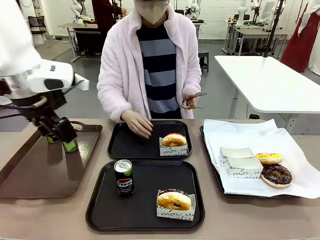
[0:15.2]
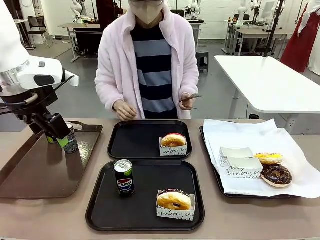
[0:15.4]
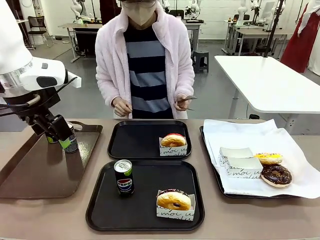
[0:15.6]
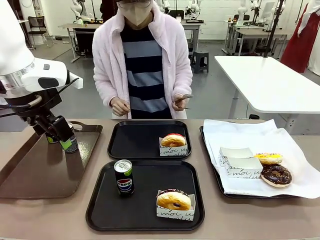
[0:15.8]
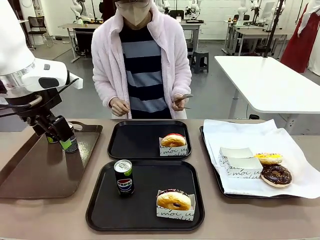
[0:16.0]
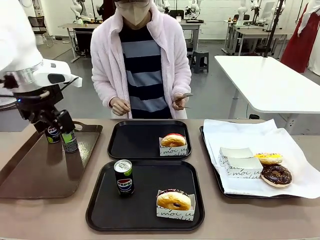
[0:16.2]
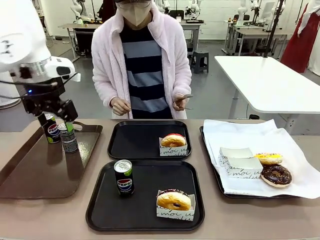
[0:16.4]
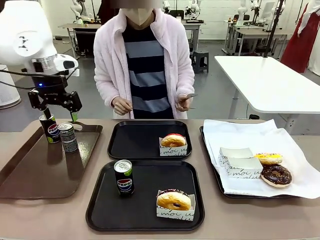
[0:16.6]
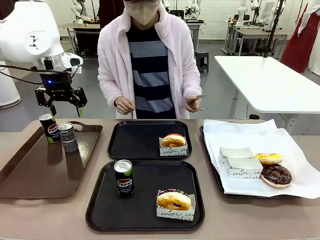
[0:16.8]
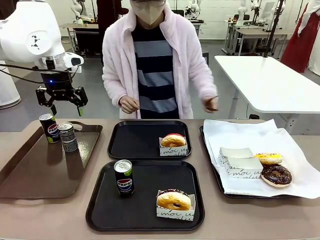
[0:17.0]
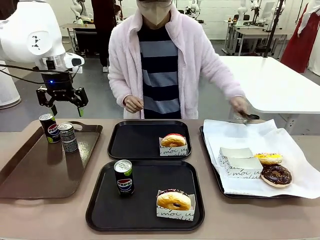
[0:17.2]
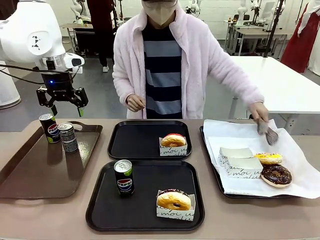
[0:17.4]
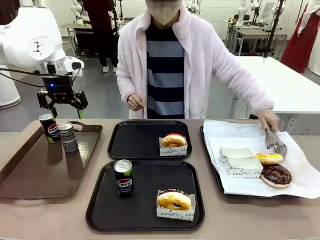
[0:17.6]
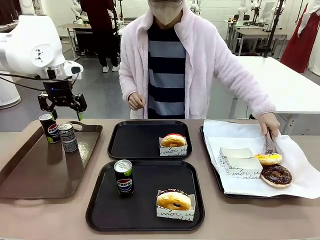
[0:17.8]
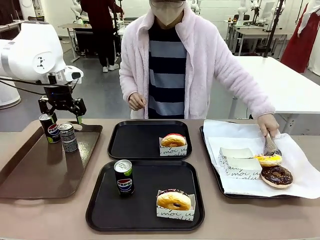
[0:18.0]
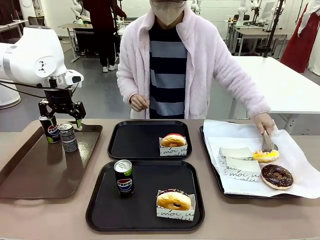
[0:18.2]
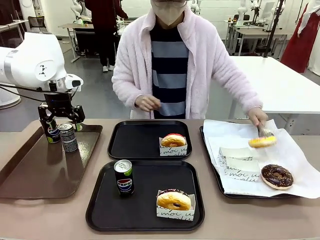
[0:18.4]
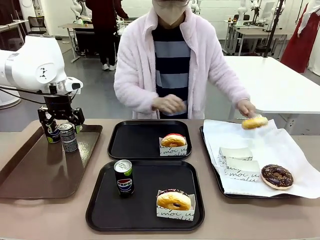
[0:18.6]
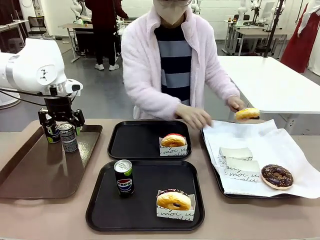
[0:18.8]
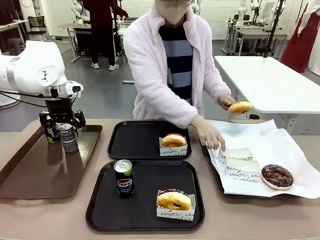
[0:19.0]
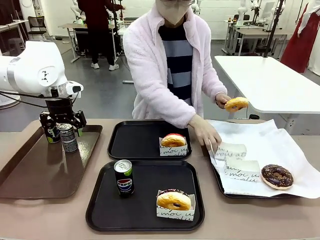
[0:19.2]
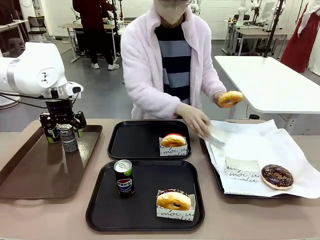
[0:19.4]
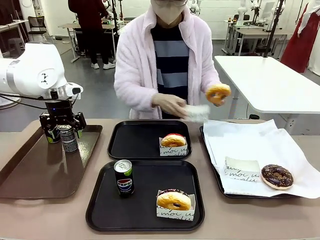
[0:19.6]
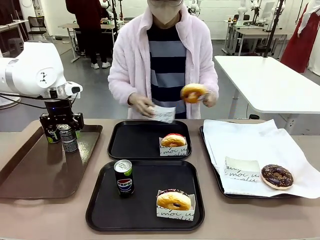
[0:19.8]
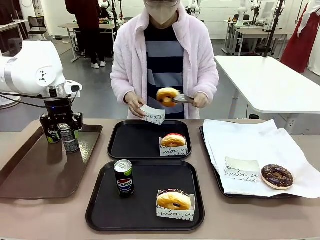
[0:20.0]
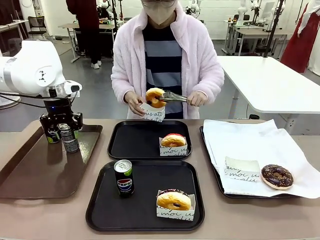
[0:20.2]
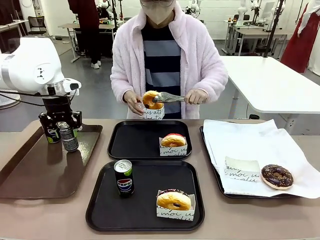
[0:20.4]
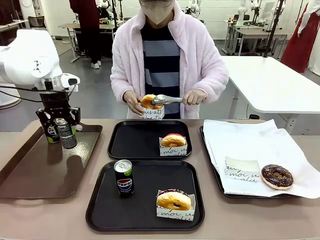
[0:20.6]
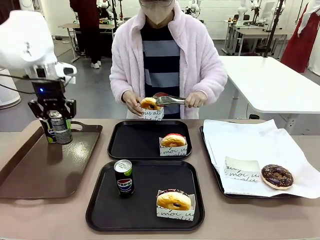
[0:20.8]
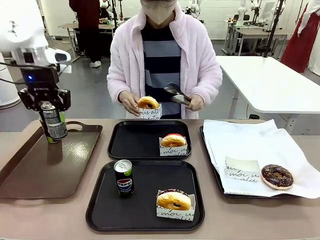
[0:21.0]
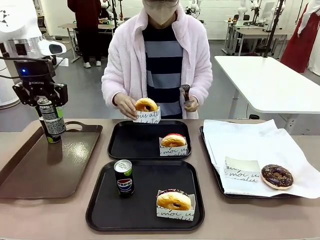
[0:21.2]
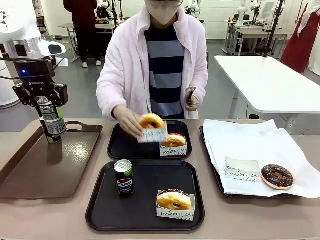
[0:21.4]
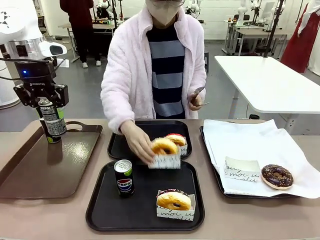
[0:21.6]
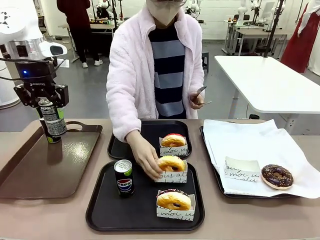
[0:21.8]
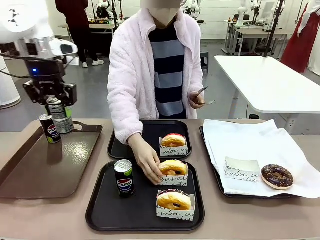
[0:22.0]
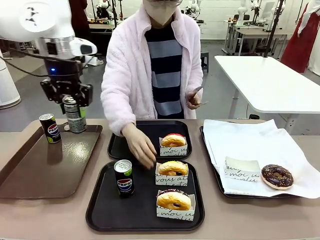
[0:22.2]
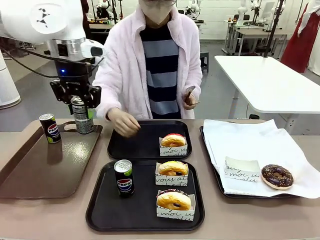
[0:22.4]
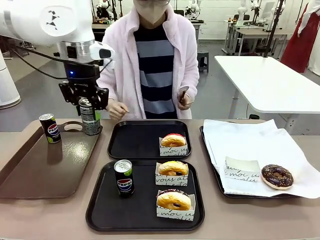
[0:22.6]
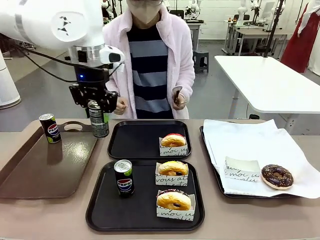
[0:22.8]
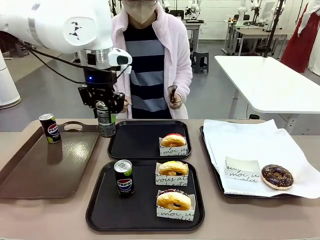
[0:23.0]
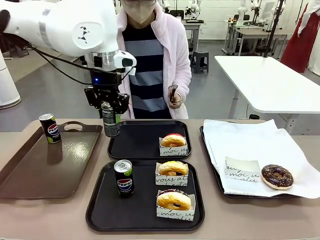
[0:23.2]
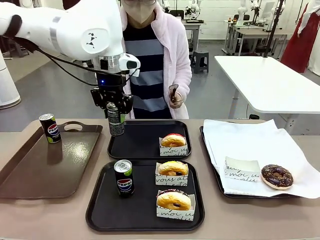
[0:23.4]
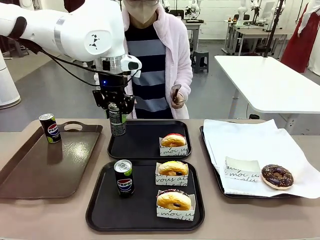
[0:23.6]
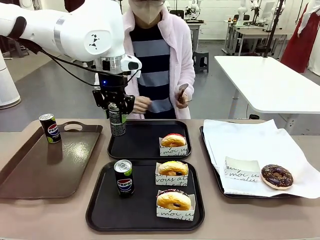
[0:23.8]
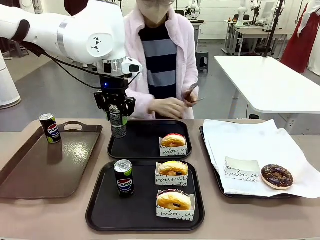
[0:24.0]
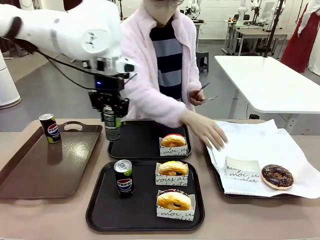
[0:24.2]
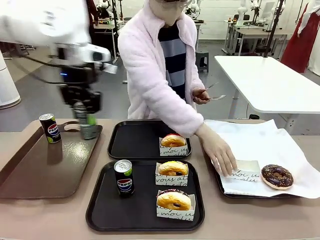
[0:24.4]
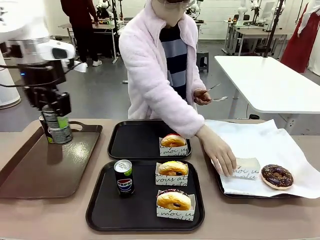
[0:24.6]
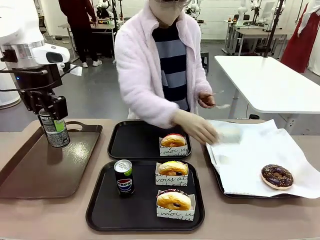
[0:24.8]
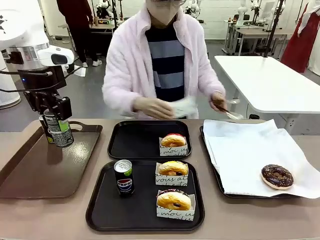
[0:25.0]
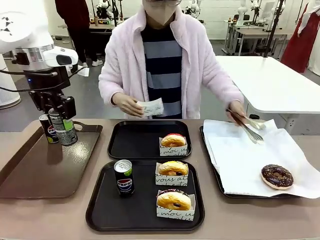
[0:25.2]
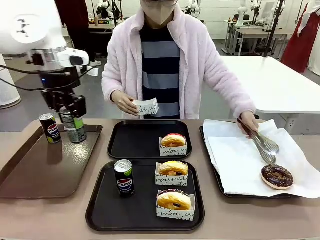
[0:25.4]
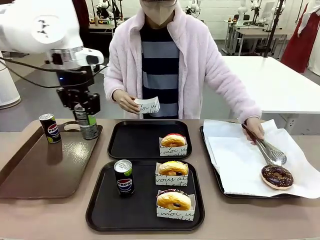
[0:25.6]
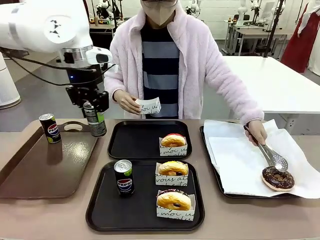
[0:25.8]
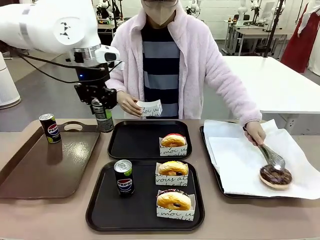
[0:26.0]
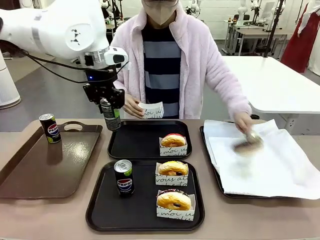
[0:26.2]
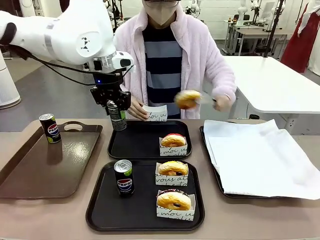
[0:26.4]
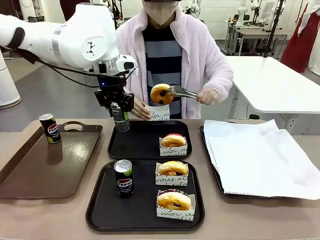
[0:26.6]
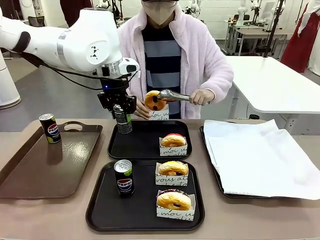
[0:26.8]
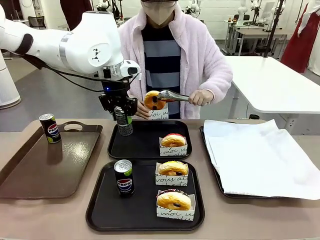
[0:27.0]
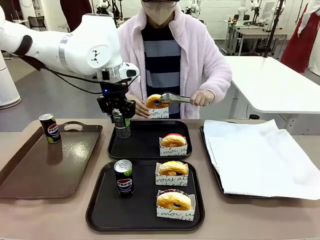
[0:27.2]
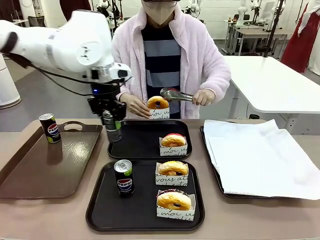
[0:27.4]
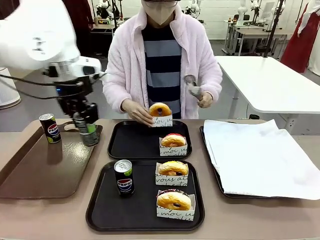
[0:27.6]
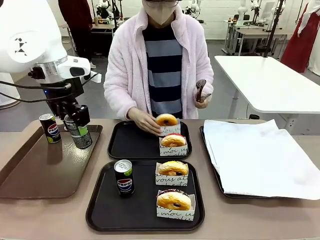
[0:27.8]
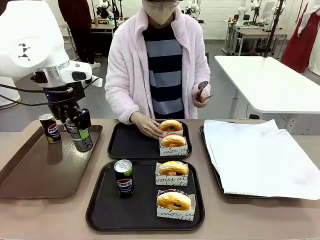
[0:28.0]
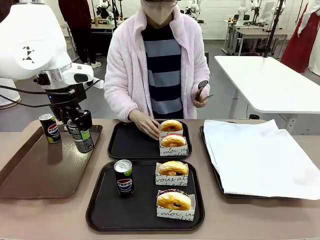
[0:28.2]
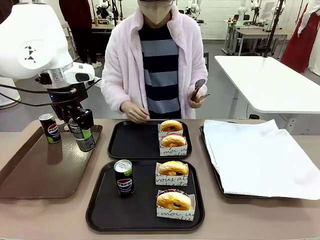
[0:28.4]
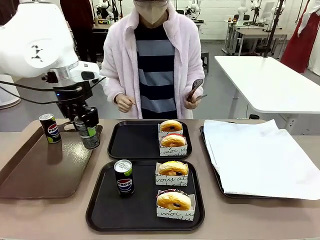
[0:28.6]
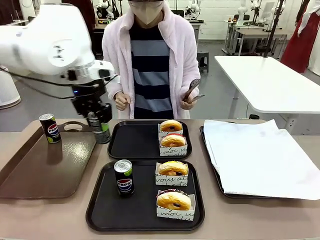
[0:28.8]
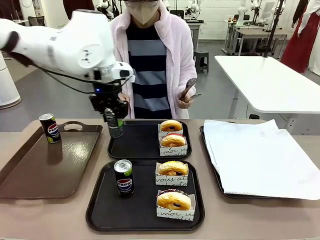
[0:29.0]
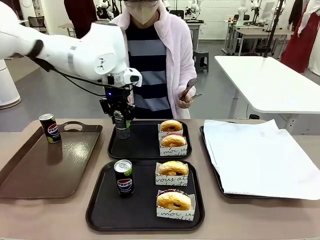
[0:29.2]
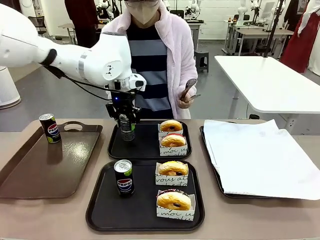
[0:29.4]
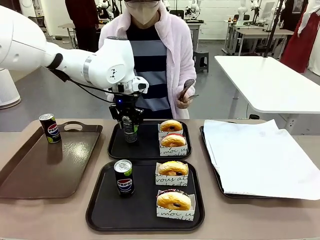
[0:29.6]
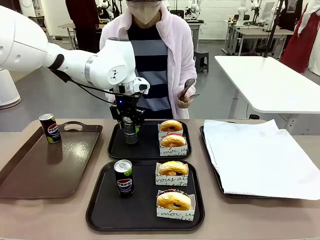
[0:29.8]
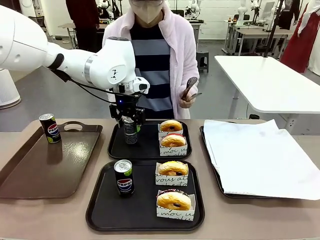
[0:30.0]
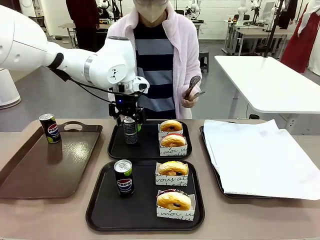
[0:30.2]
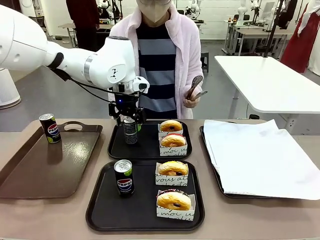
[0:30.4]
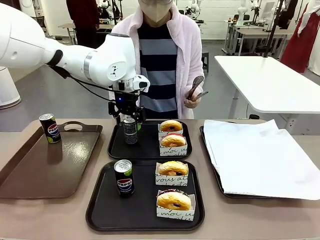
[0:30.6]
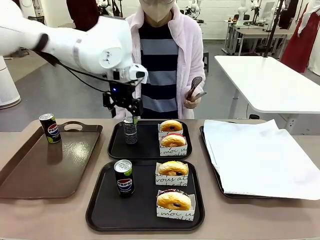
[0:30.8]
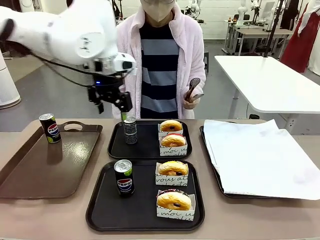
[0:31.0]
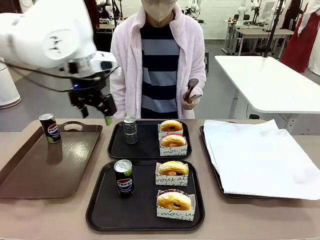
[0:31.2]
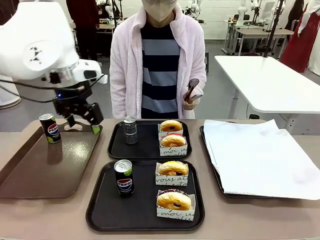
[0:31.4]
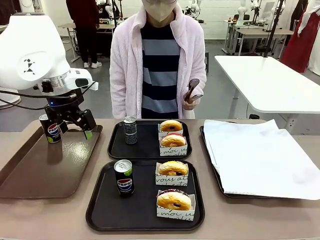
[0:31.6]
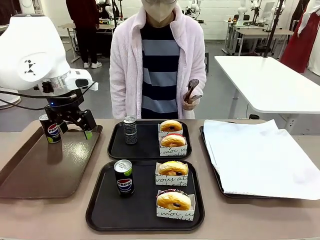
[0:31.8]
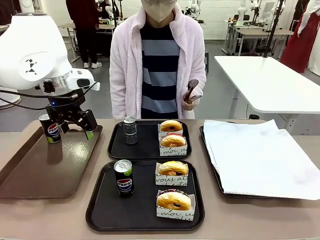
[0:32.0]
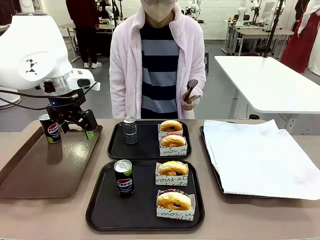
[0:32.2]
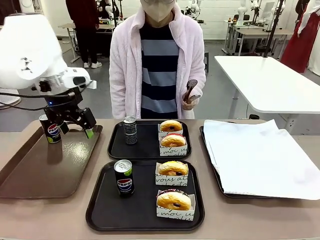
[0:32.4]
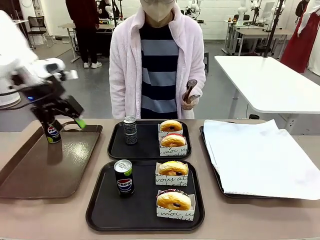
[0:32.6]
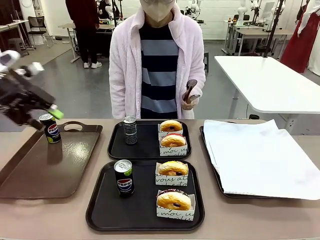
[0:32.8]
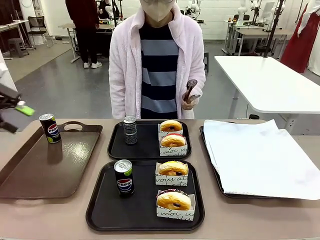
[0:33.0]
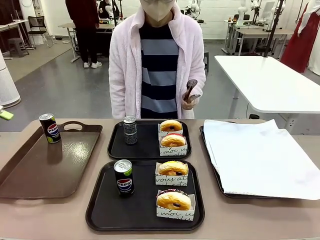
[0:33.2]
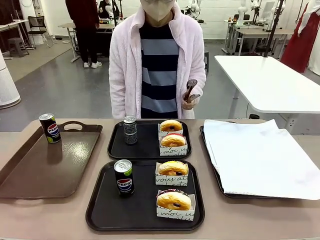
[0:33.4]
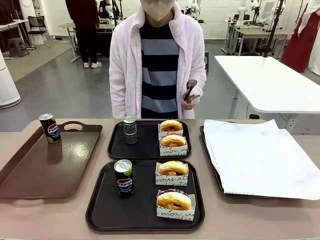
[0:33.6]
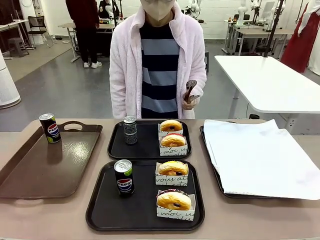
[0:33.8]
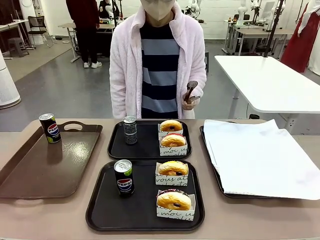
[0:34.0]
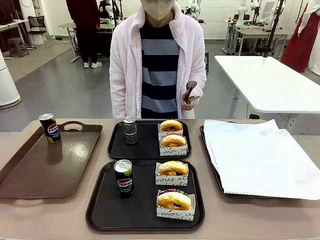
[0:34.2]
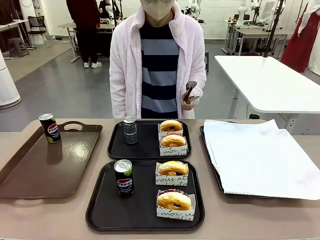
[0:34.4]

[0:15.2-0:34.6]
Task: Set up donuts and drinks on trays.
Robot: Pick up one Pepsi coke from the Handle tray and place it on the Flat Tray without a Pepsi coke.
Person: Pick up one donut with tongs, place it in the donut tray, and then place the donut tray on the flat tray.
